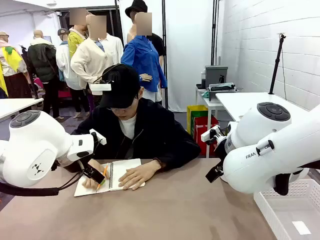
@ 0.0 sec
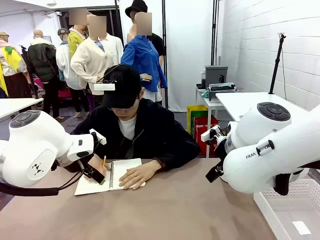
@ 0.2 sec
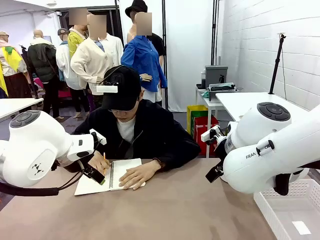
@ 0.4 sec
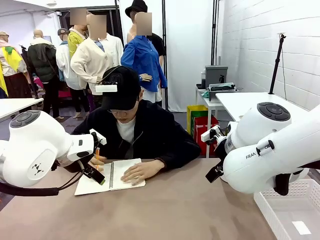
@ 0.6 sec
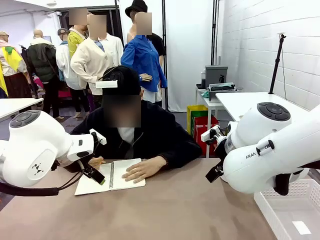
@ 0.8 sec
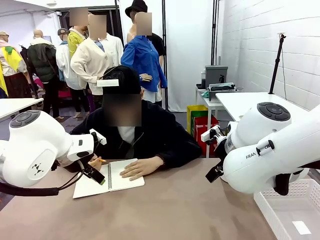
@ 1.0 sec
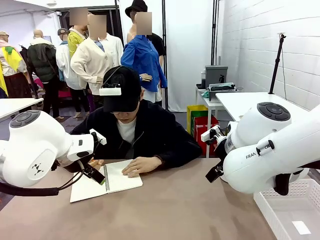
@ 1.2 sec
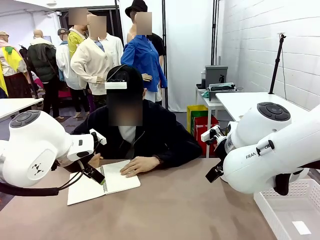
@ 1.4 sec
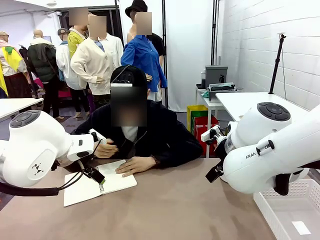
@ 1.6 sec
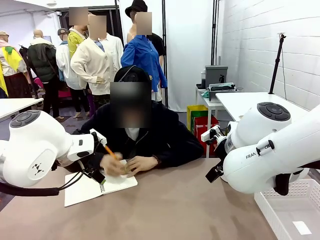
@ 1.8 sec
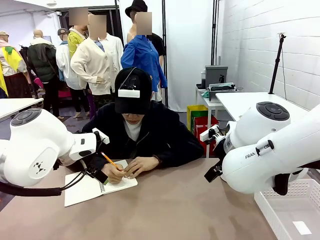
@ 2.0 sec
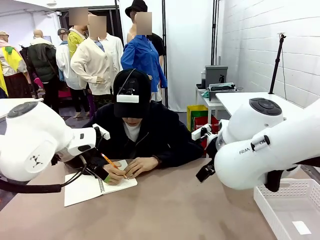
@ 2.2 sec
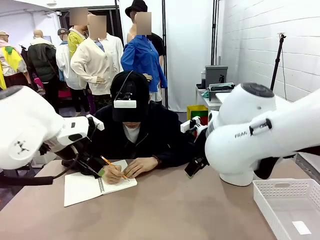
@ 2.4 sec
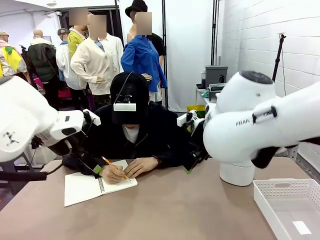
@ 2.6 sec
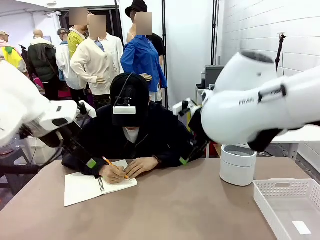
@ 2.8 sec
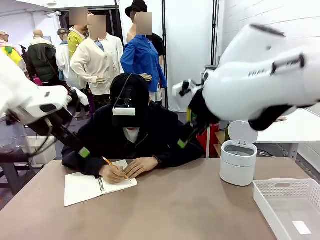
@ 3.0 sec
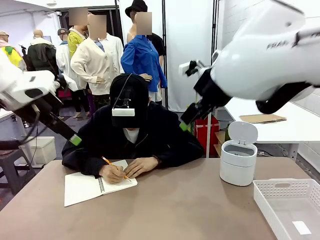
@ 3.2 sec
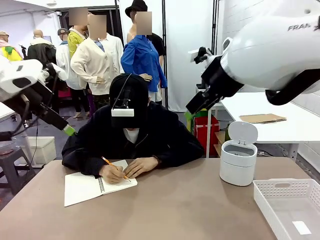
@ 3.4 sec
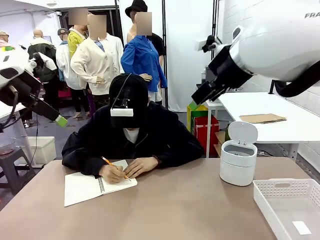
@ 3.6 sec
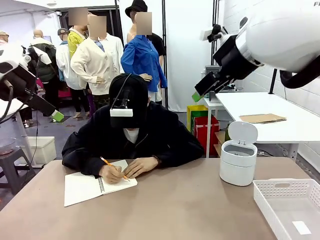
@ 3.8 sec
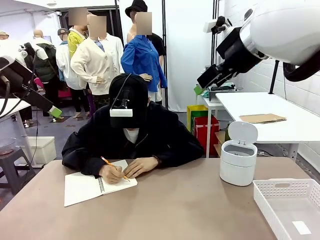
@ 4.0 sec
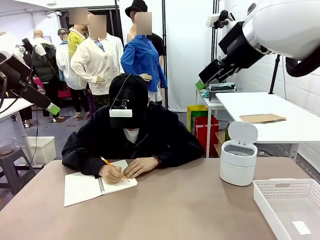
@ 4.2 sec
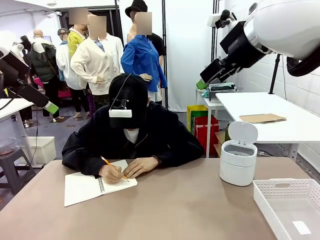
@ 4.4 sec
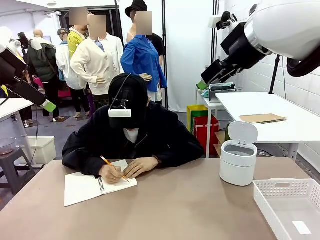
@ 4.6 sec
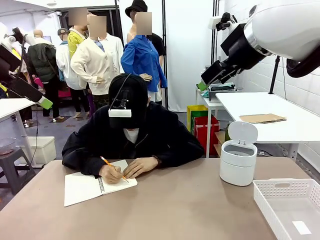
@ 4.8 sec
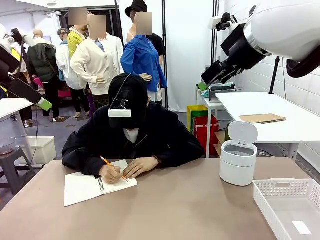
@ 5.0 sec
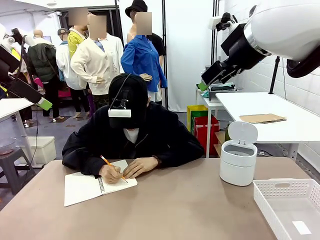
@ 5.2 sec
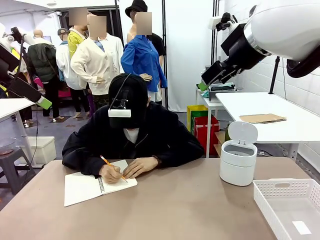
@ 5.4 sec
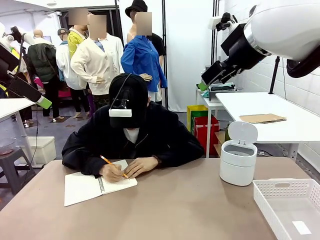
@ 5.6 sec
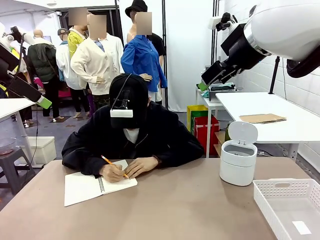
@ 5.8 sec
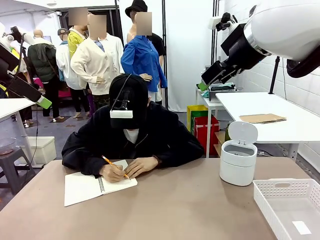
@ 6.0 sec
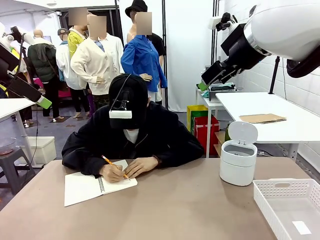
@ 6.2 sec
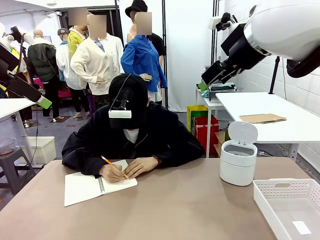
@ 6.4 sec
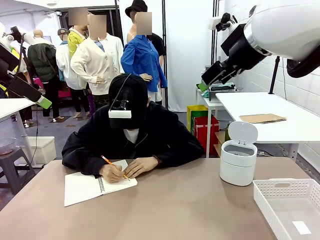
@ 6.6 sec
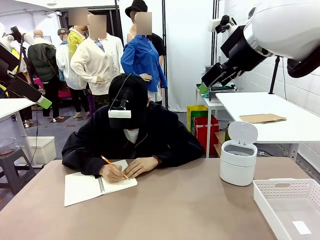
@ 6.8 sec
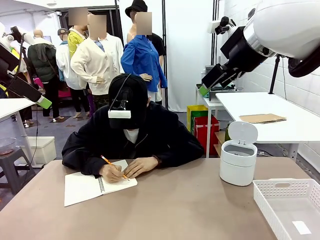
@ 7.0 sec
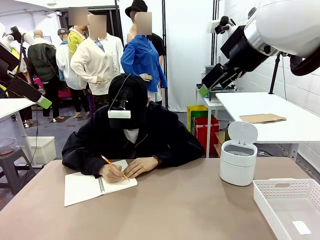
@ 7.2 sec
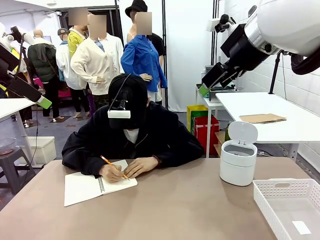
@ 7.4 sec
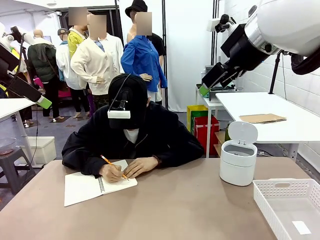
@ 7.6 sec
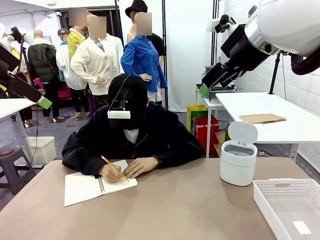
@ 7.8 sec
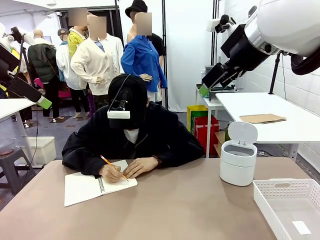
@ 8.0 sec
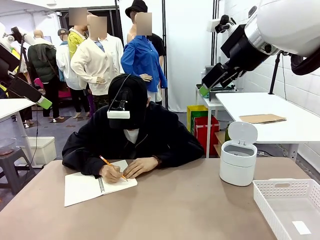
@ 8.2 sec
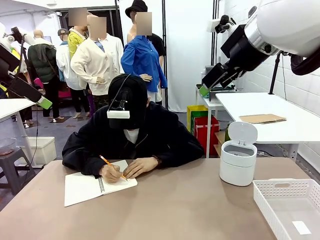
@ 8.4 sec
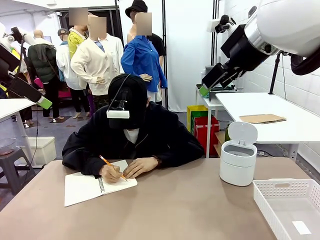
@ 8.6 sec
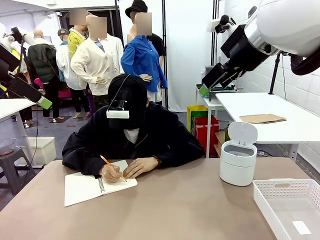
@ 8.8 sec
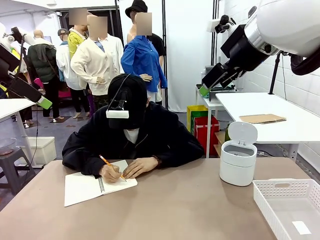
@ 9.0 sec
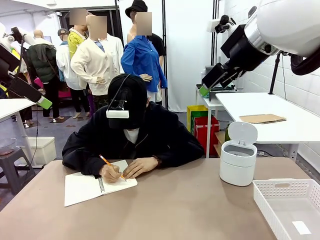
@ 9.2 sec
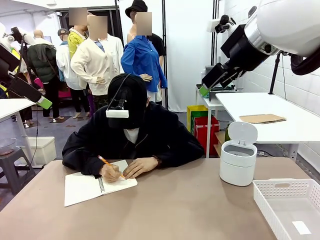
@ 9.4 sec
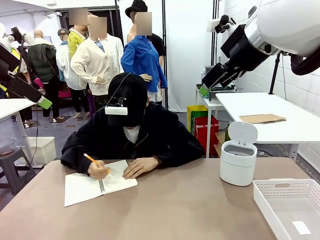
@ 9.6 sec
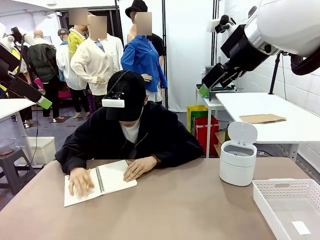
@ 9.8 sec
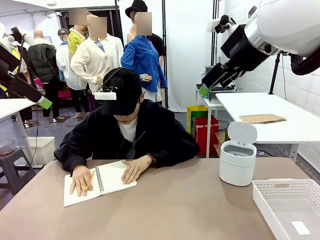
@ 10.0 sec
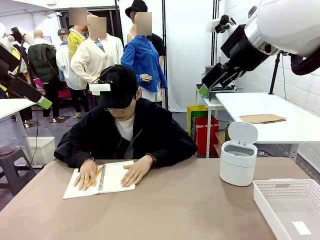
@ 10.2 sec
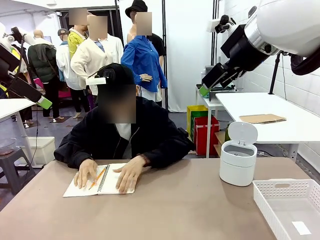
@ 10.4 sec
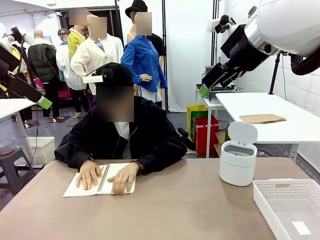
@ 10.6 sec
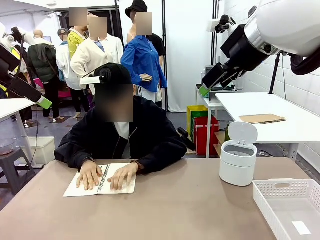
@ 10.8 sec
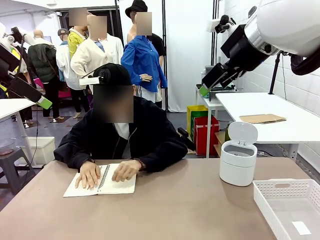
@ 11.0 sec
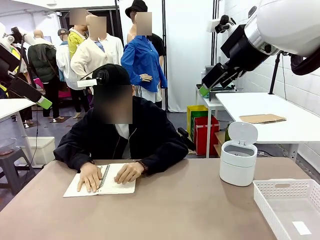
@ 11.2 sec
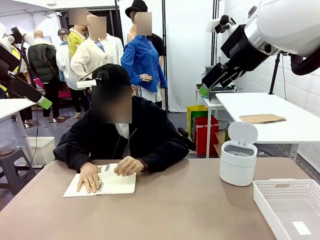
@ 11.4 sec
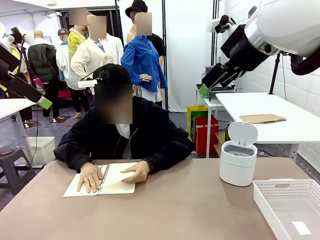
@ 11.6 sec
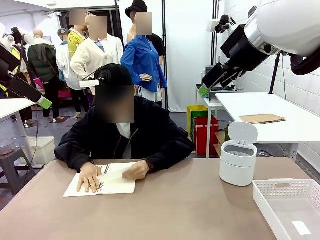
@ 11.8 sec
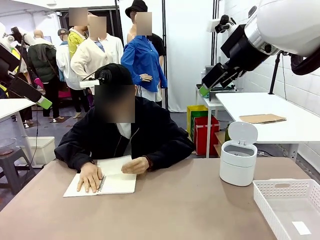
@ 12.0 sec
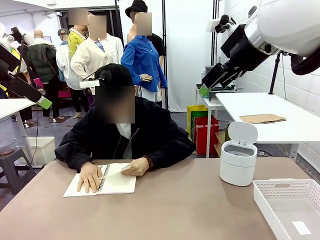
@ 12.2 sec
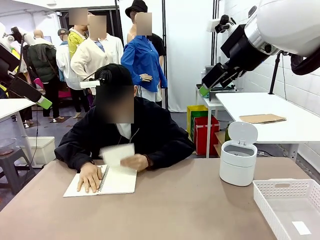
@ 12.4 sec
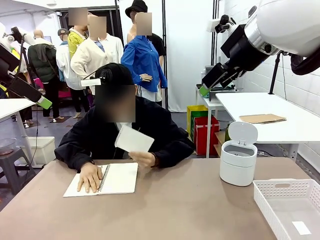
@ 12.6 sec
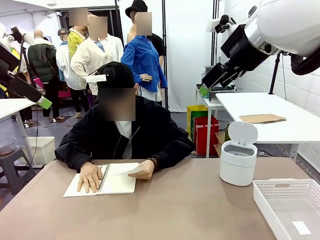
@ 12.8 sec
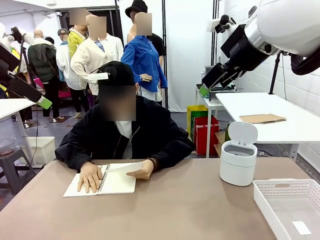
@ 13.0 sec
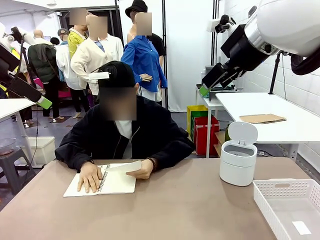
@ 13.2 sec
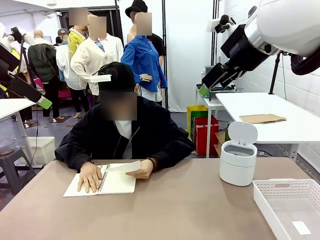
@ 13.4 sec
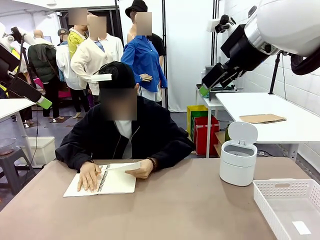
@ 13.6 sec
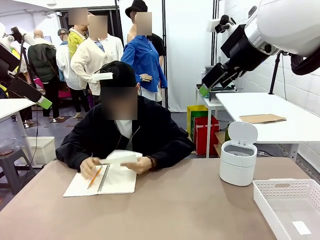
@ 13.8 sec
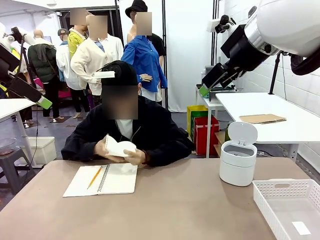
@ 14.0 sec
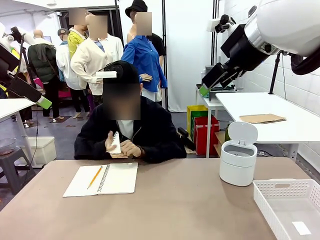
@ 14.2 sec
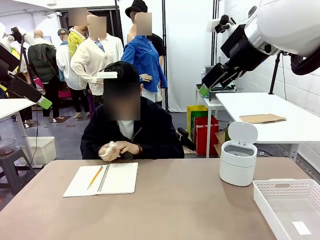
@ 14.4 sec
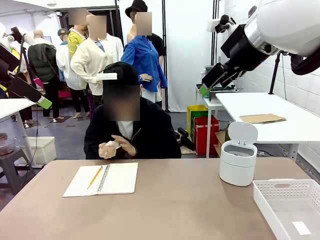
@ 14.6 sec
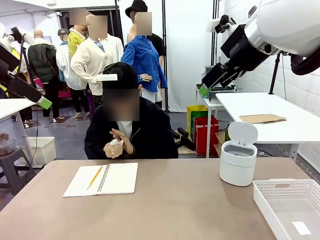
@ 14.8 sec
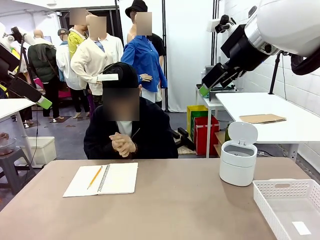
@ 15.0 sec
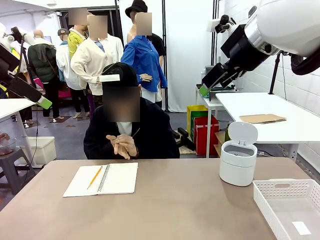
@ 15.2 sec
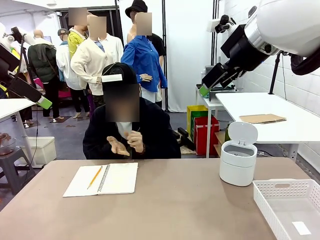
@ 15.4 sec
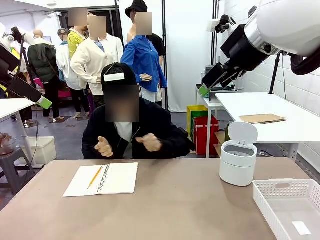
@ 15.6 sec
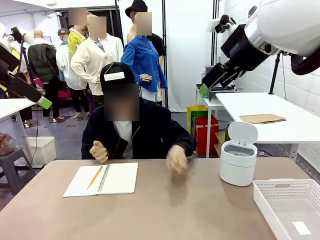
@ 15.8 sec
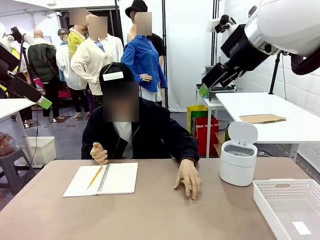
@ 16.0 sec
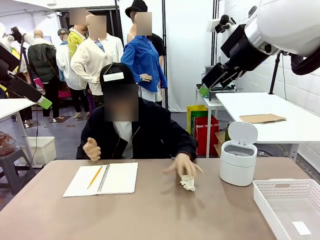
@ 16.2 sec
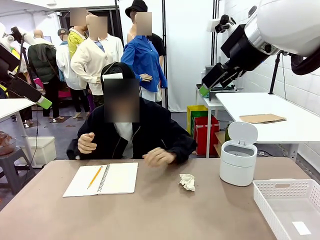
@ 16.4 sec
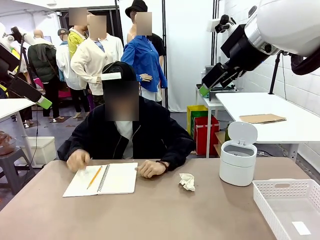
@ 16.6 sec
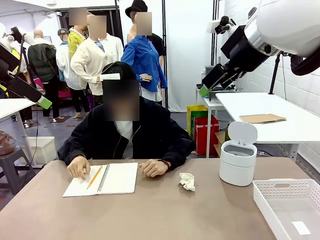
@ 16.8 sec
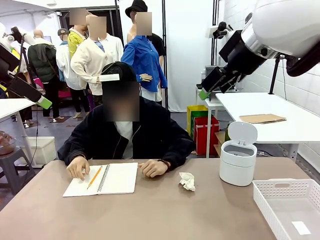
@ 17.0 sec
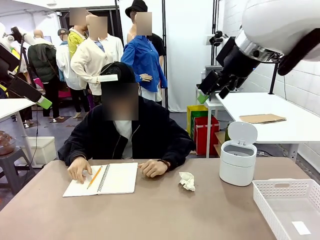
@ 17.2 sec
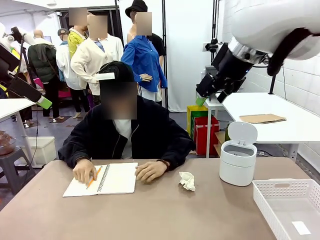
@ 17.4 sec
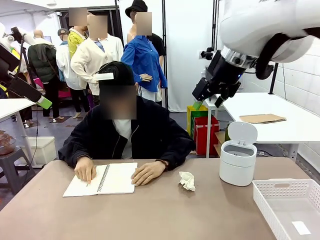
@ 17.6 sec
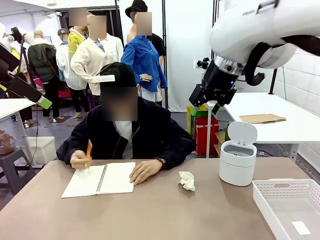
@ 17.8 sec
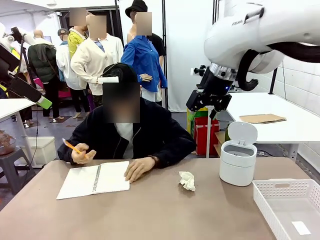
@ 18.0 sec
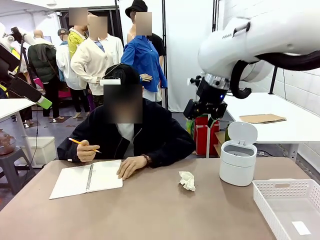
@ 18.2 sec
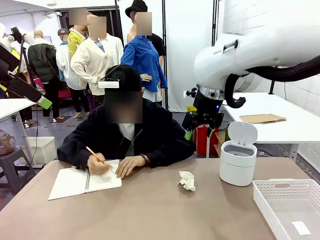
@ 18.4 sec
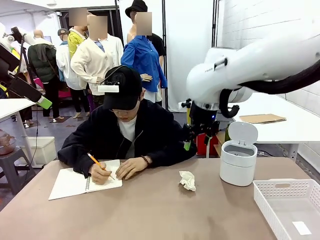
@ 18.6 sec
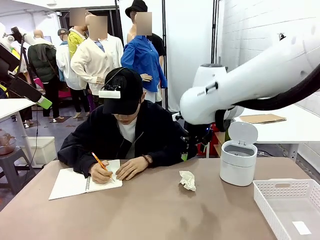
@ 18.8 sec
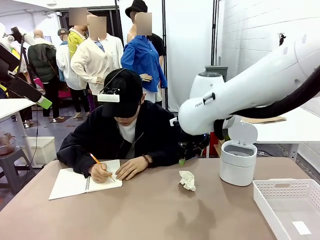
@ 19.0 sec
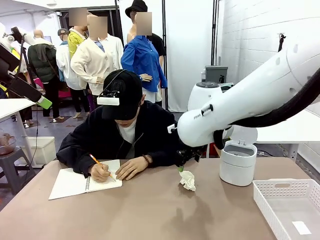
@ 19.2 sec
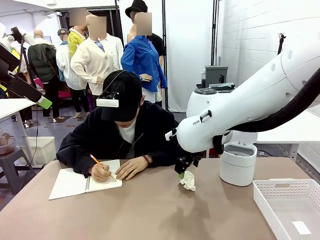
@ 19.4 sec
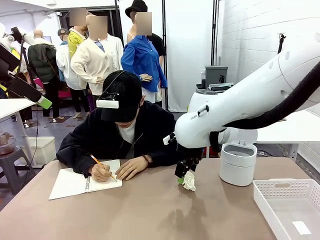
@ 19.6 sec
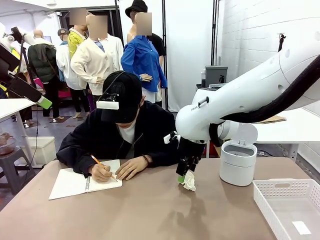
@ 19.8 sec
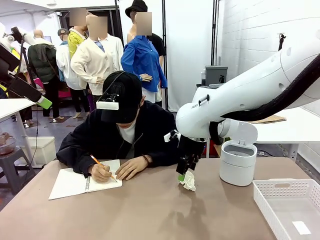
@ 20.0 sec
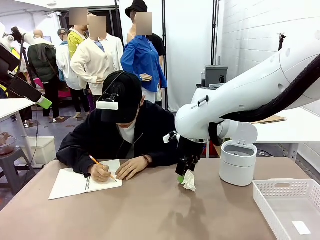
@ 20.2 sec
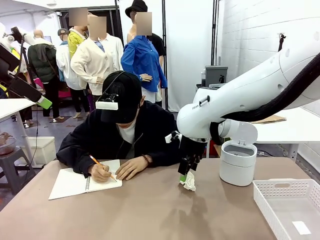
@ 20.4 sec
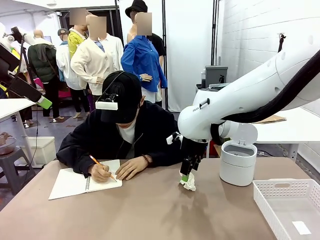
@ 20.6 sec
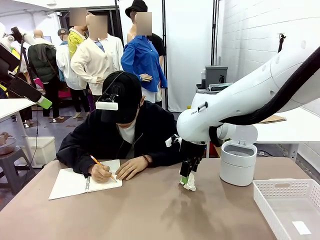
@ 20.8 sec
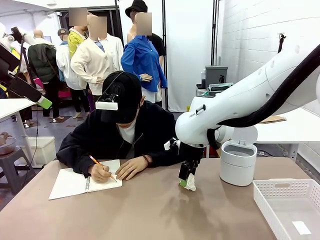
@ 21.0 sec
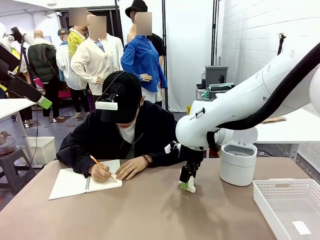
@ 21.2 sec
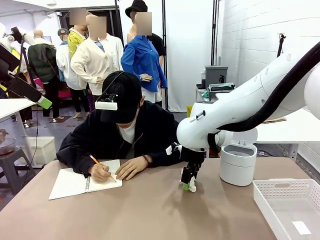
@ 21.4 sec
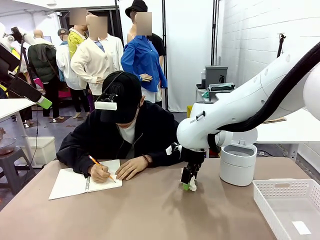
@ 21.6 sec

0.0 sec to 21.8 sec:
Task: Sort the paper based on its condition.
Robot: If a person hands you a paper, place it in the Organizing basket , and if it's crumpled, put it in the Trash can.
Person: Tear out a page from the spiral notebook. Hand the torn page to the robot or crumple it and throw it to the center of the table.
